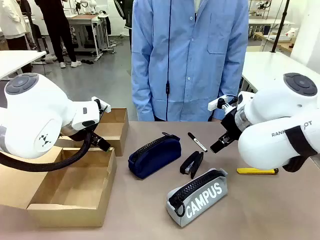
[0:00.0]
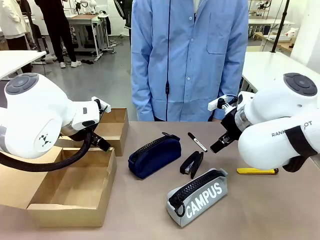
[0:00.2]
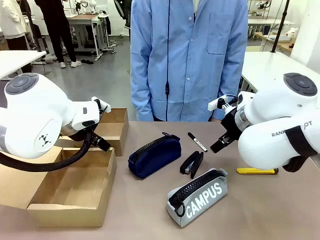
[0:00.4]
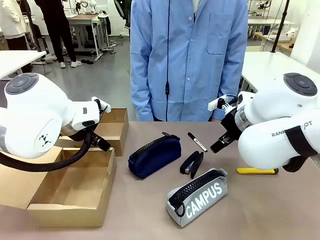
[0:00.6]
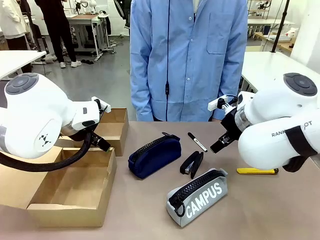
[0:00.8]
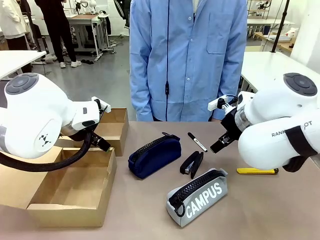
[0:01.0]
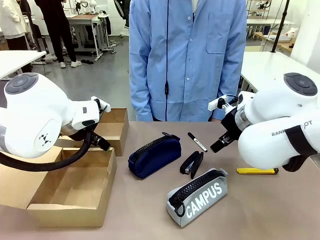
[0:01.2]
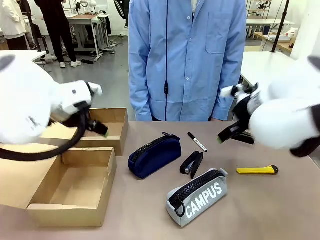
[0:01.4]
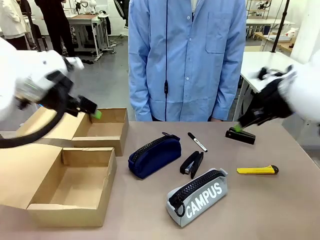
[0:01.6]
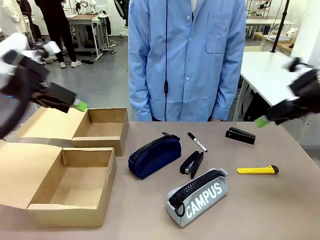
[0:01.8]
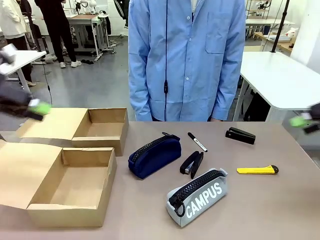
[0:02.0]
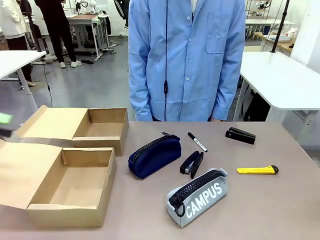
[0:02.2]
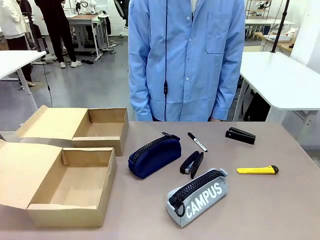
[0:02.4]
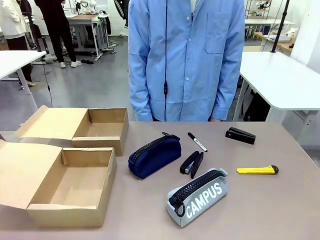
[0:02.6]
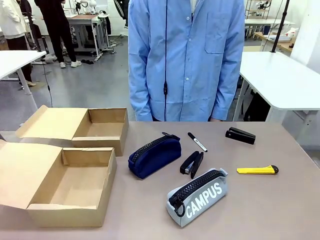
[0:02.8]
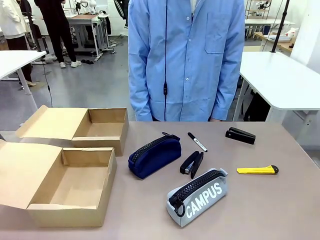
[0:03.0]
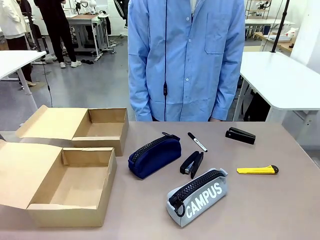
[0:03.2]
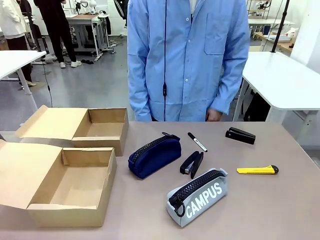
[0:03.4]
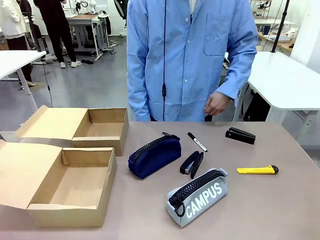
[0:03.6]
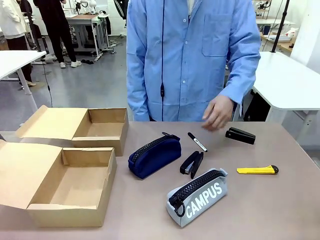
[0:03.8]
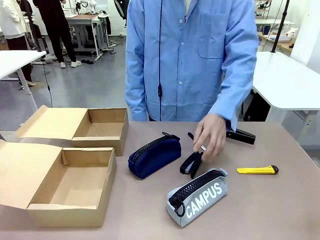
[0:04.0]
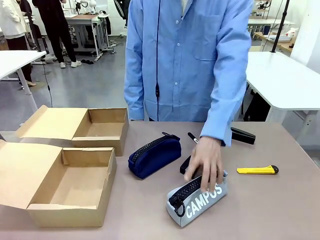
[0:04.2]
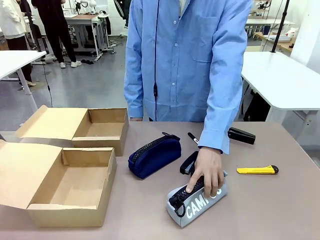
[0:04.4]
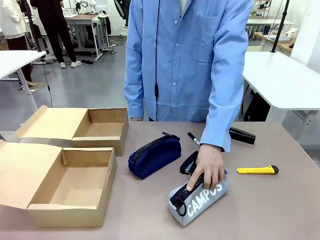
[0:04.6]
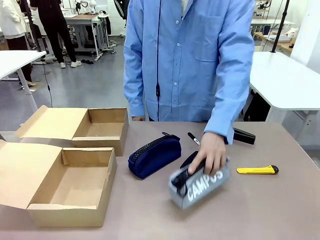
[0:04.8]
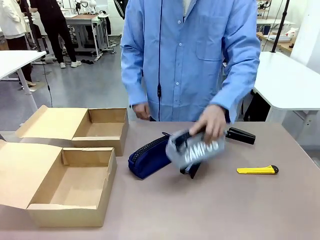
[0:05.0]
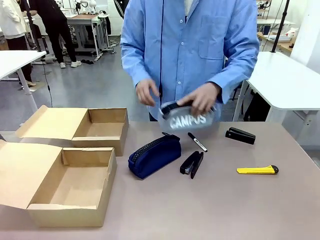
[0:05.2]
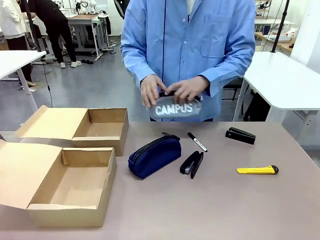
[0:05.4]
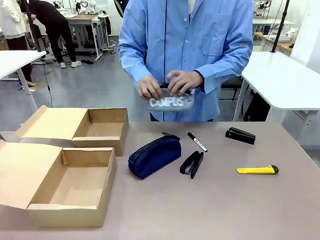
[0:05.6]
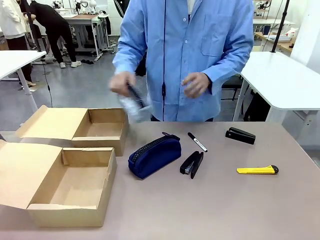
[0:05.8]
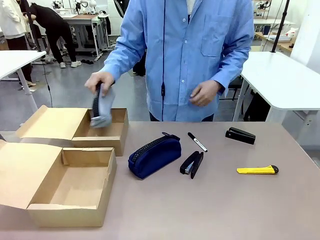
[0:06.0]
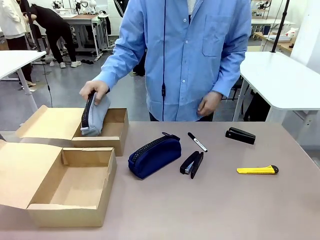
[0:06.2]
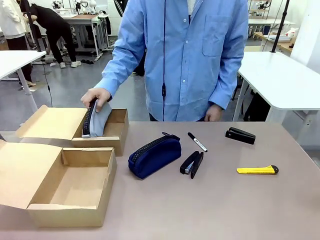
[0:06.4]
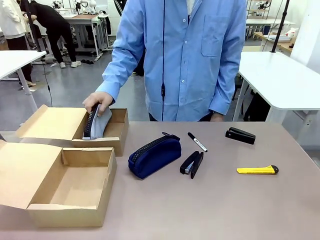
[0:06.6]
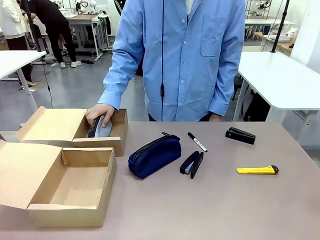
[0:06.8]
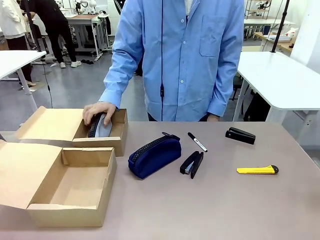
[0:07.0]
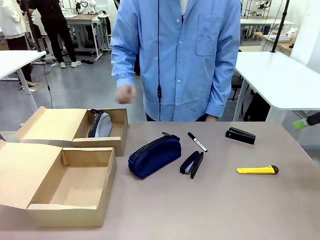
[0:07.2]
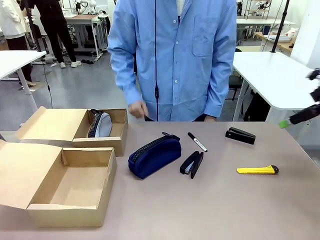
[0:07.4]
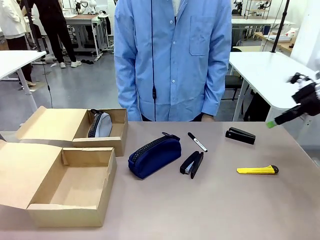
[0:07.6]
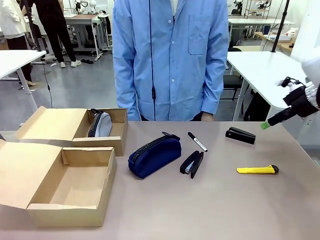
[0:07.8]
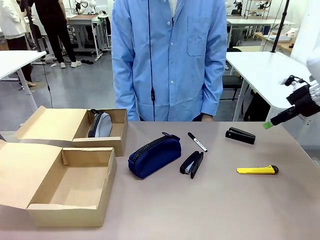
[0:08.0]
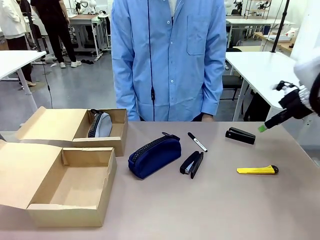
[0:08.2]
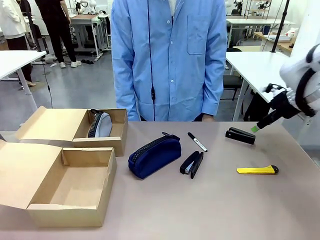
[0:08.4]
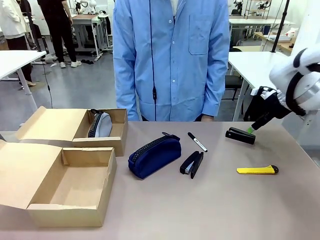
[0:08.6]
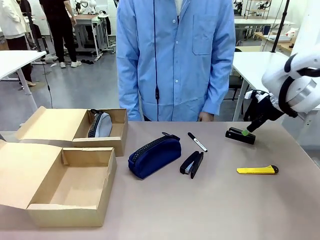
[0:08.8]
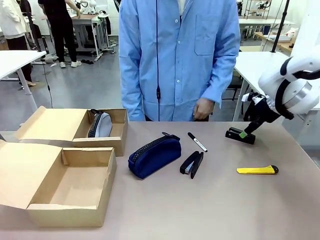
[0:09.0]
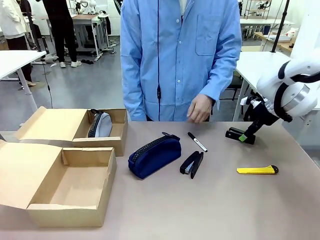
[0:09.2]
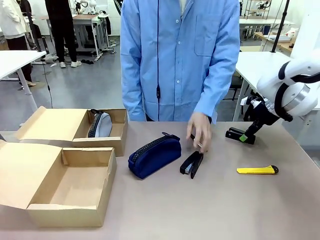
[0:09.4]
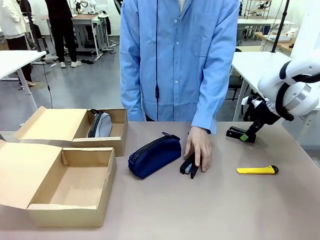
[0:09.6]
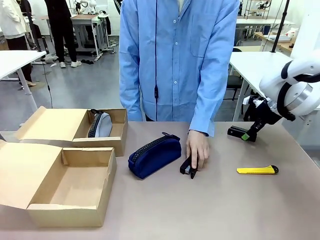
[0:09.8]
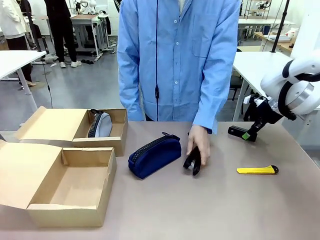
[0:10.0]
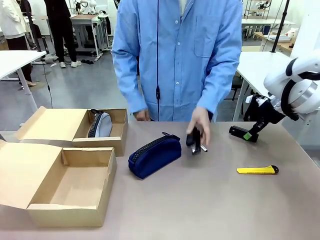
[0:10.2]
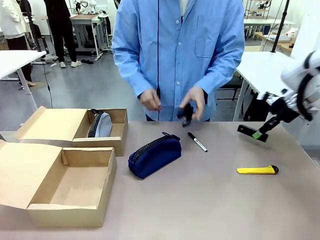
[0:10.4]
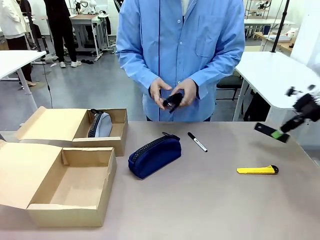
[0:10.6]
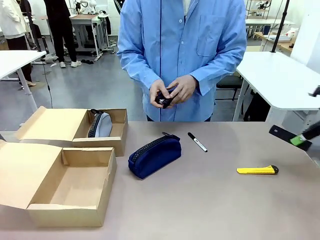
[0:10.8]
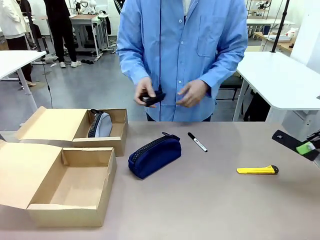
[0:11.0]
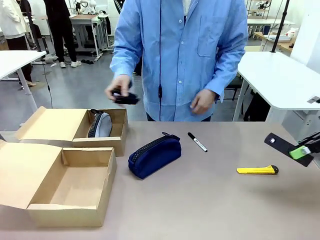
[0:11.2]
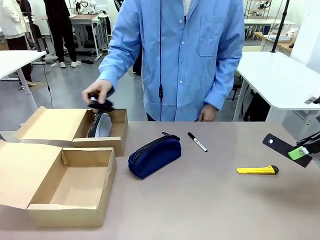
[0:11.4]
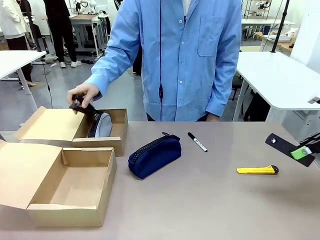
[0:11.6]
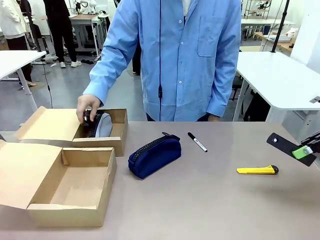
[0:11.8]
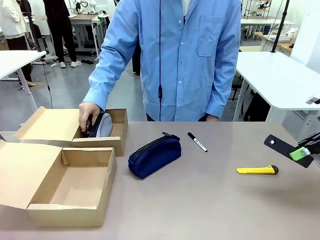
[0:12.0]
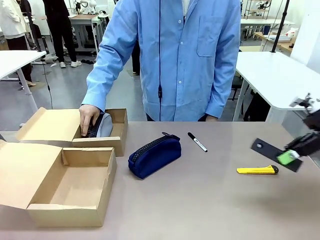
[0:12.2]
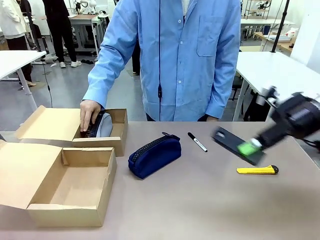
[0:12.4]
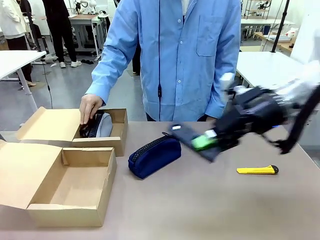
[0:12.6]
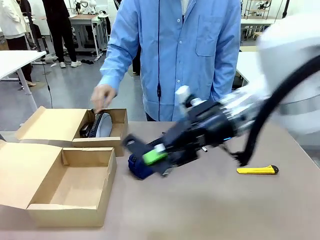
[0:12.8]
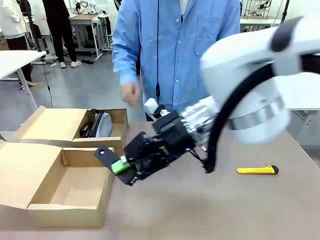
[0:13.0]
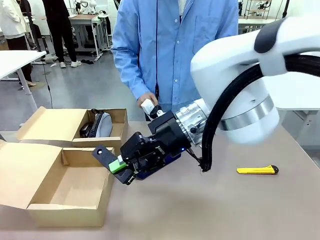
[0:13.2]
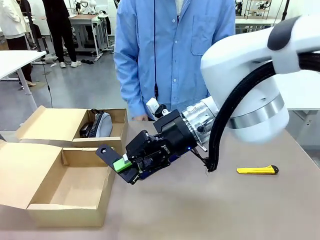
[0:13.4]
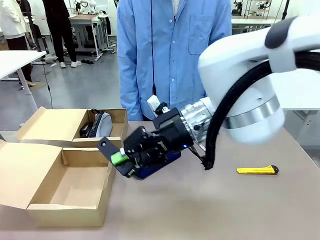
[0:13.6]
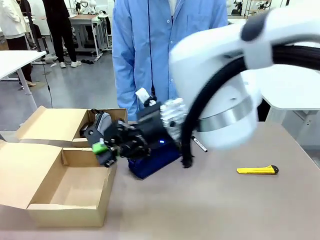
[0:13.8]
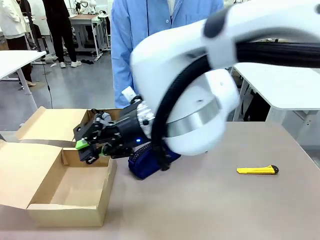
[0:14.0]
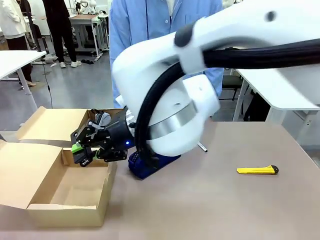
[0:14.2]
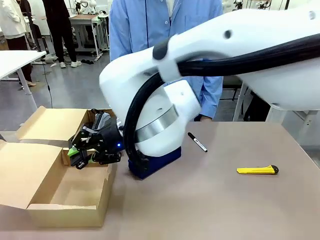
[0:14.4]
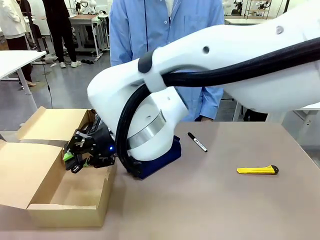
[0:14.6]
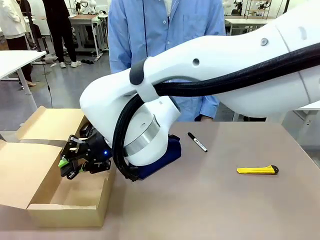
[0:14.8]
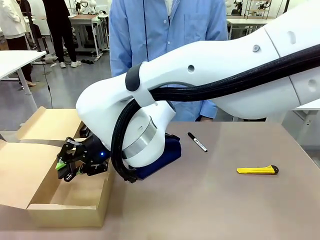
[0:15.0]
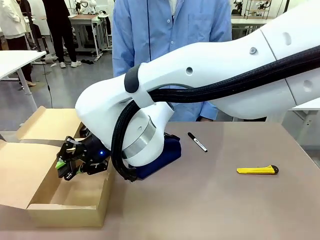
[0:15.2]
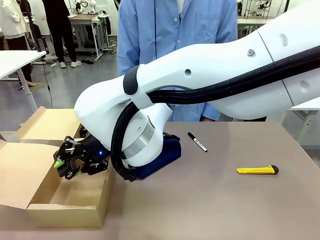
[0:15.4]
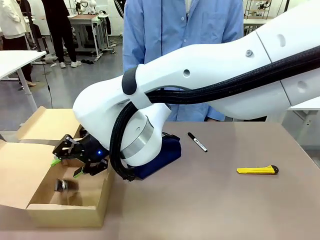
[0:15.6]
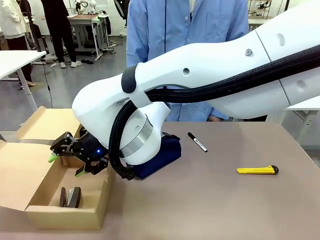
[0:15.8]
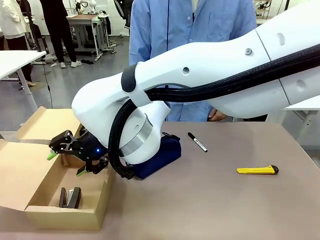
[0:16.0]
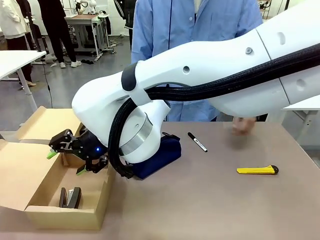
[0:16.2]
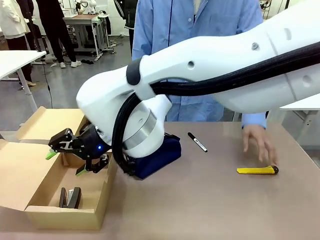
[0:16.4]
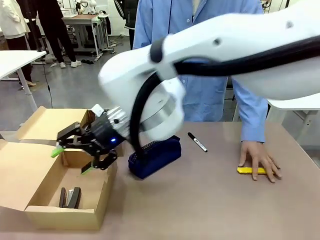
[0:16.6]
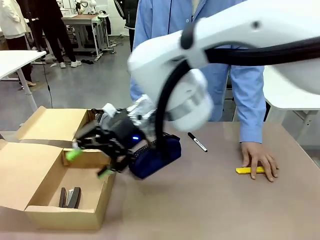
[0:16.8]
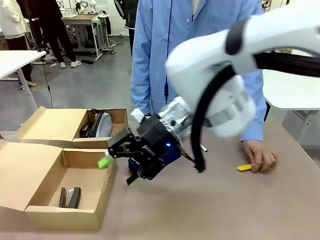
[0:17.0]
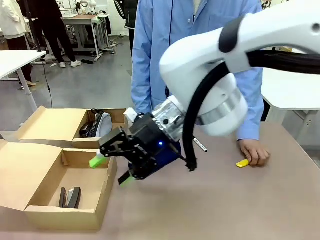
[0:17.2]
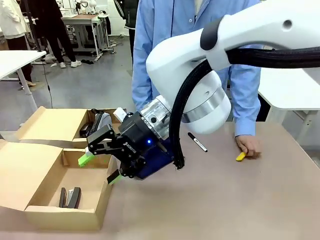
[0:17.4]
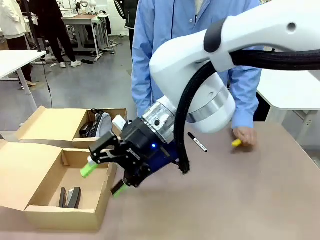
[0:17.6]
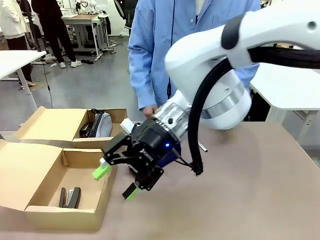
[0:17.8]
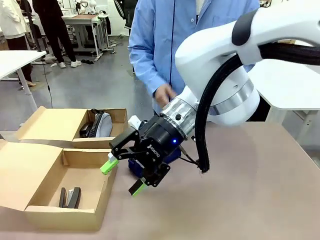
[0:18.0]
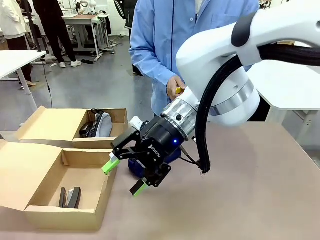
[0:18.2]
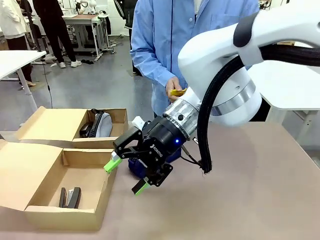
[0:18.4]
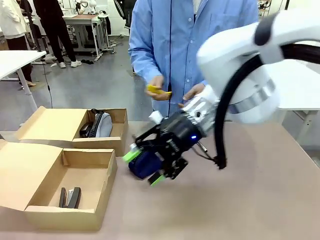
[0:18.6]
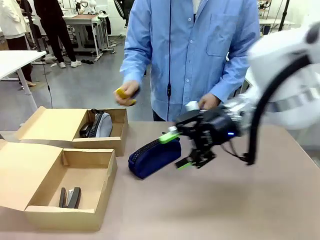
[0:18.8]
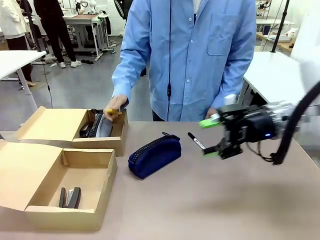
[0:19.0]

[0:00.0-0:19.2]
Task: Place items inside the box.
Robot: Pick up a Pencil pouch or Stapler and place it inside the Mailer Box closest to the robot.
Person: Pick up an object on the table and put it in the box.
